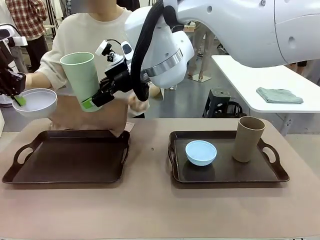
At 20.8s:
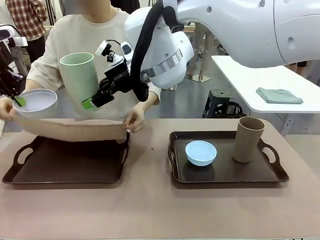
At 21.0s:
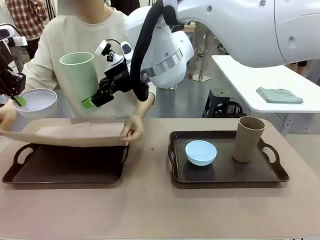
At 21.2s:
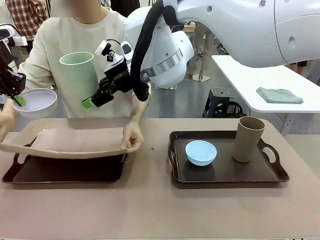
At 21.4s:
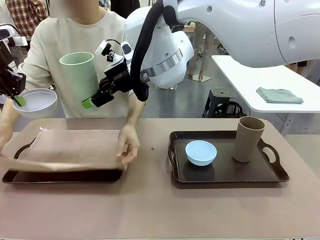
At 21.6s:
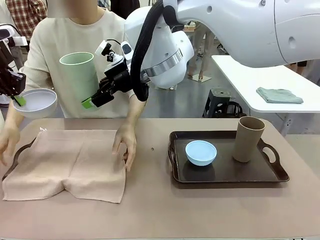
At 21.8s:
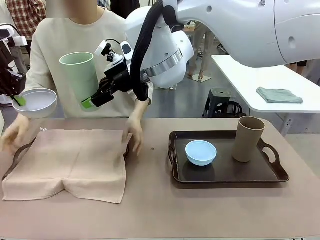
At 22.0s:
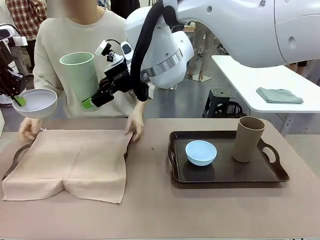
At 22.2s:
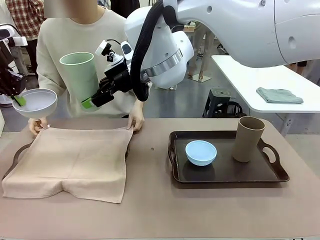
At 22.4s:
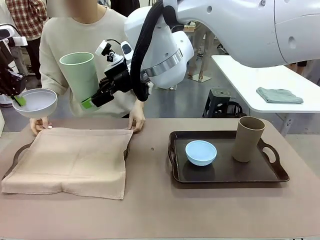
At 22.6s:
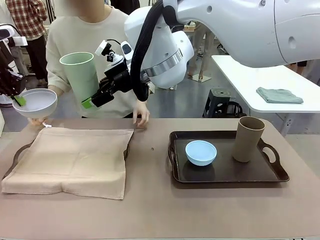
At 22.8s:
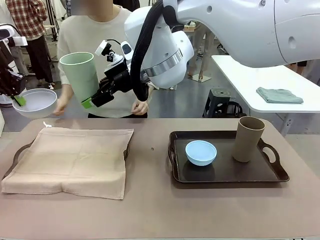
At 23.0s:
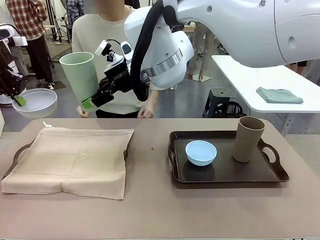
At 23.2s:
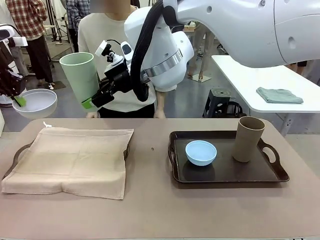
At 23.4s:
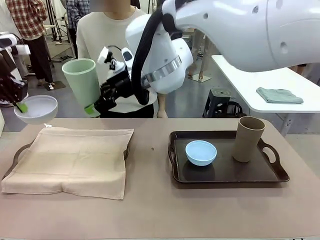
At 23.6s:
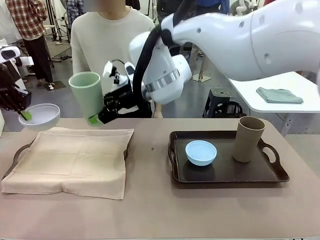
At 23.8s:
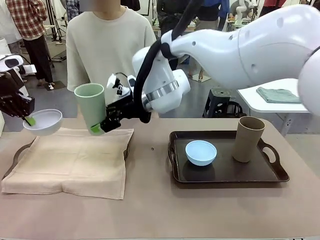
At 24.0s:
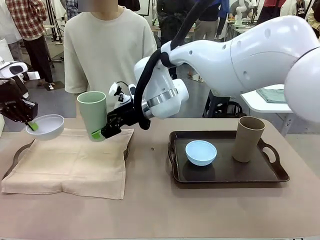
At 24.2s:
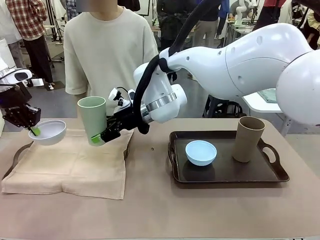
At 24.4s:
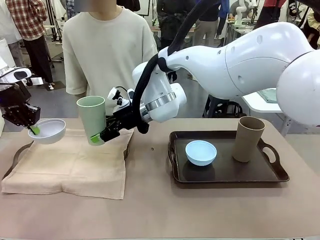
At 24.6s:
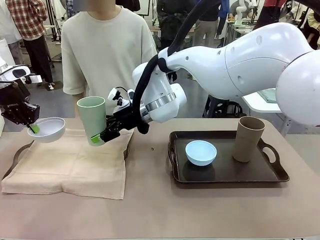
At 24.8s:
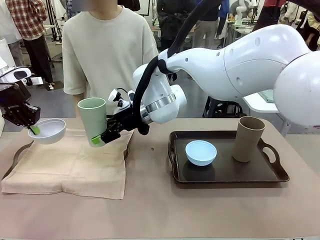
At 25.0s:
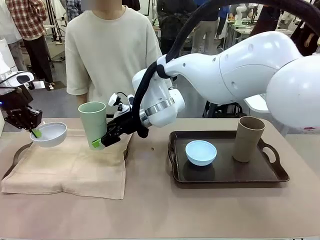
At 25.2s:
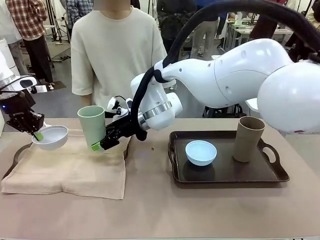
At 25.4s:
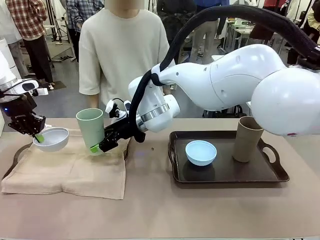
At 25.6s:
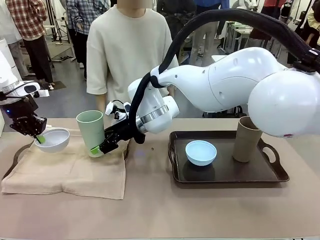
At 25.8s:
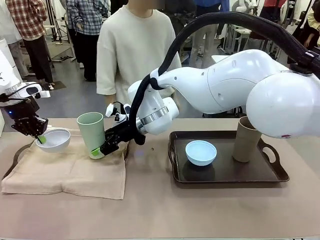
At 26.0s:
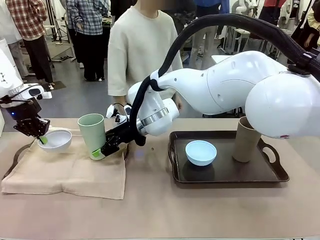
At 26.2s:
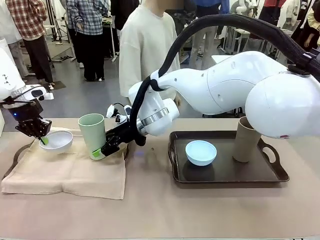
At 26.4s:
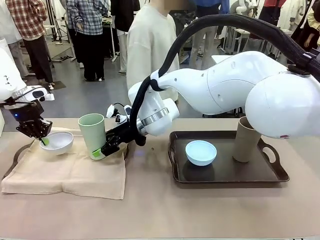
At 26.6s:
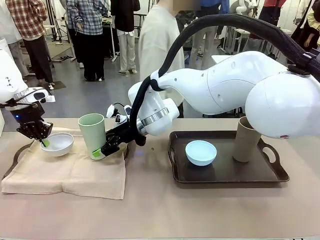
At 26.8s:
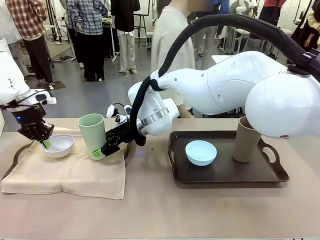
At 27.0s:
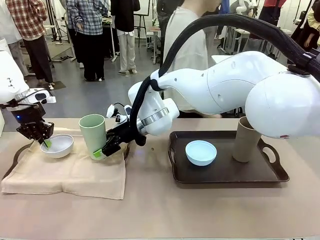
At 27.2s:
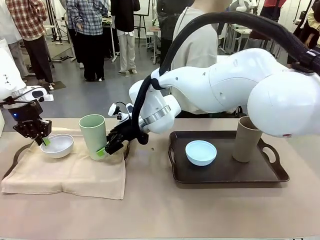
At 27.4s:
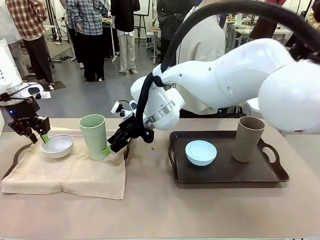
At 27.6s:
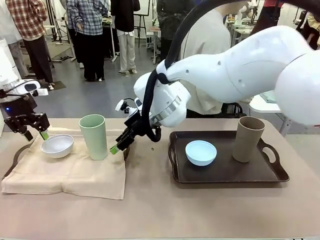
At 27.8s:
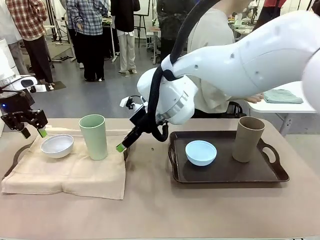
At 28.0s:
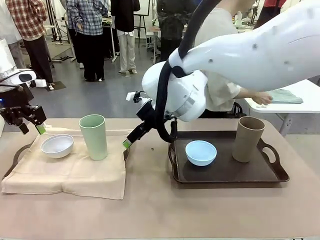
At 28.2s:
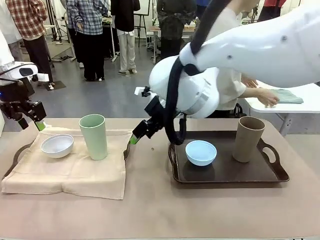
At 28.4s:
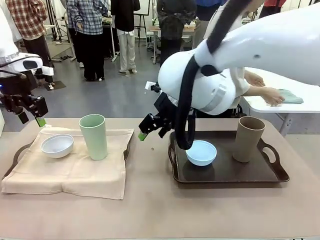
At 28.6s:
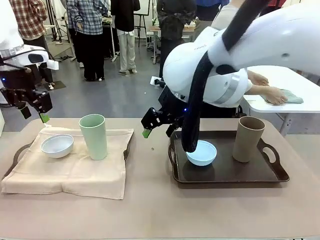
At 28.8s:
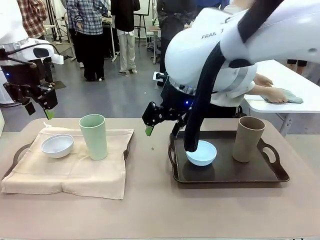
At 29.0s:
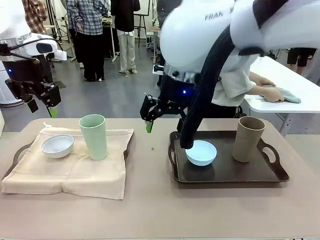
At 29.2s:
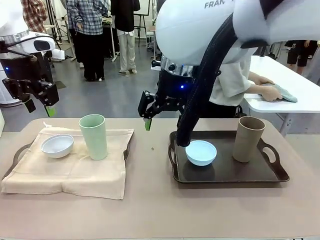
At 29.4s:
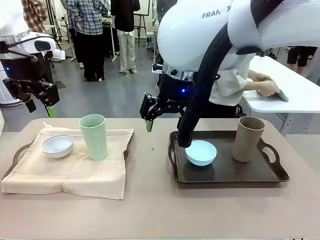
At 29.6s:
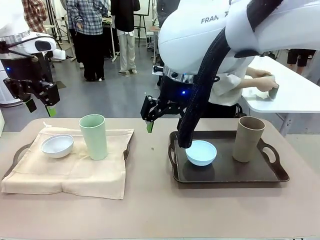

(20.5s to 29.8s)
Robot: Place the Picnic Bowl and Reusable plastic cup back onto the Handle tray in front of the human's position.
Person: The human returns to the human table to pick up another napkin and walks to the robot table to stand in front of the tray without a napkin.
